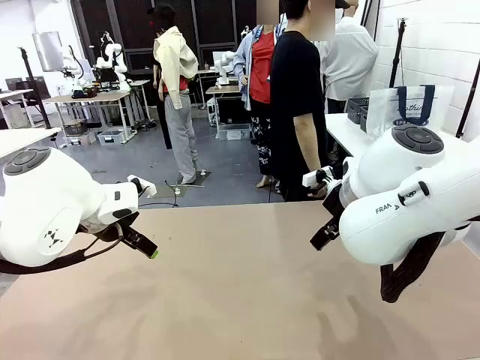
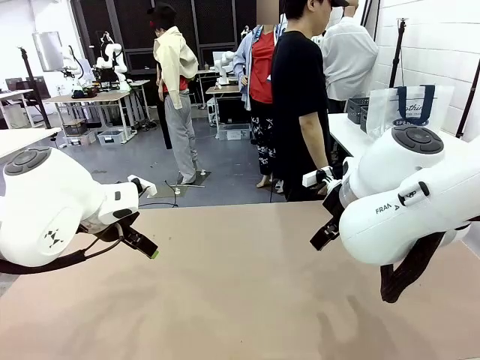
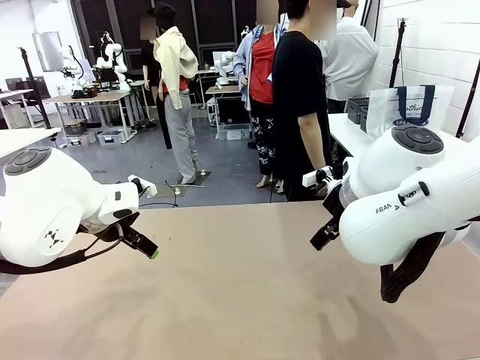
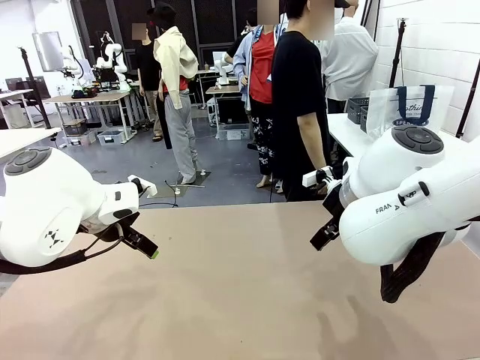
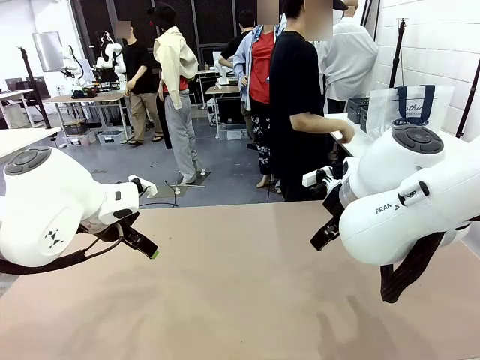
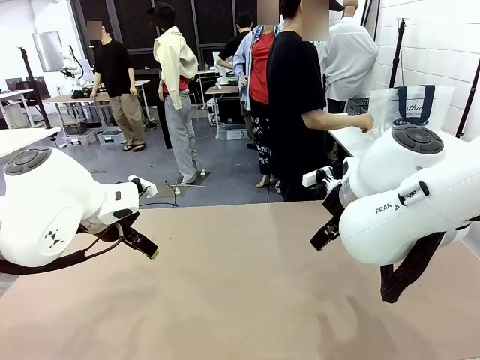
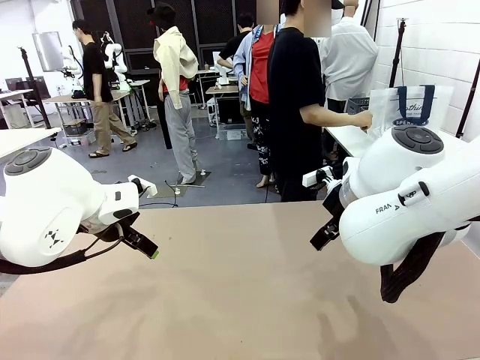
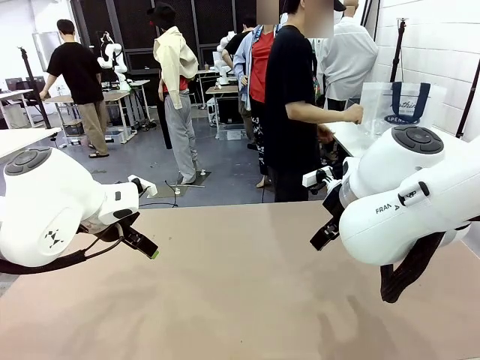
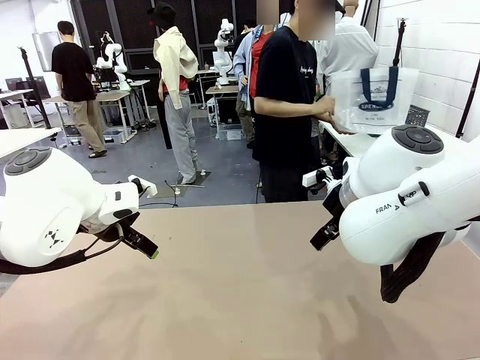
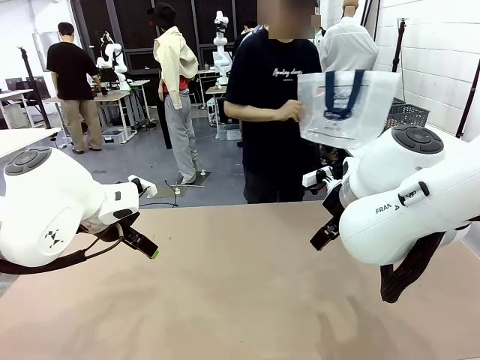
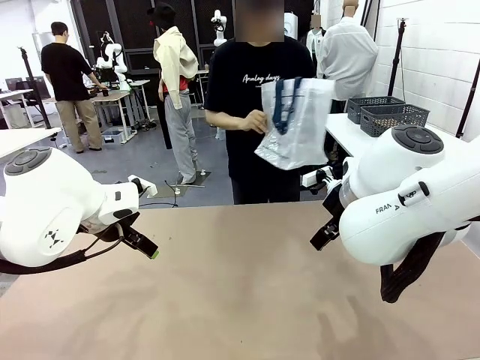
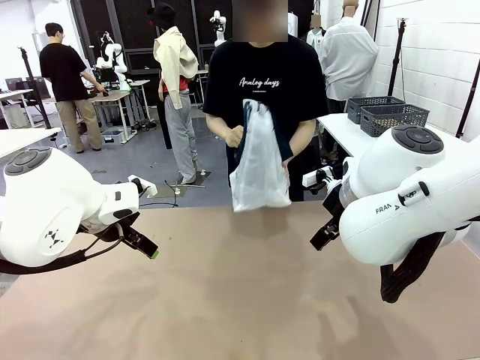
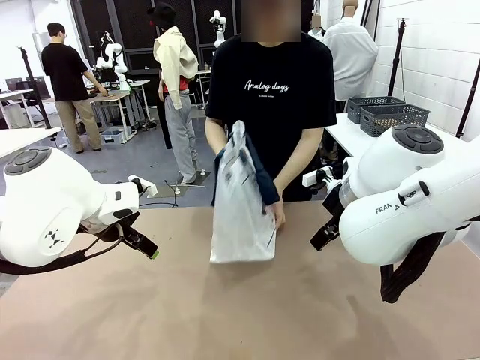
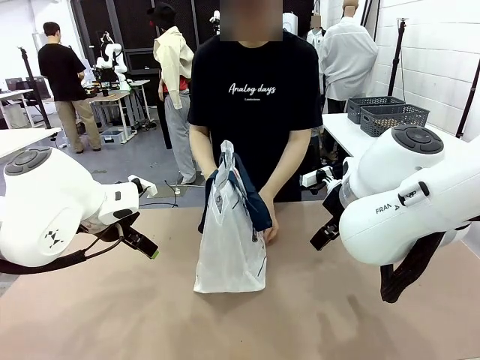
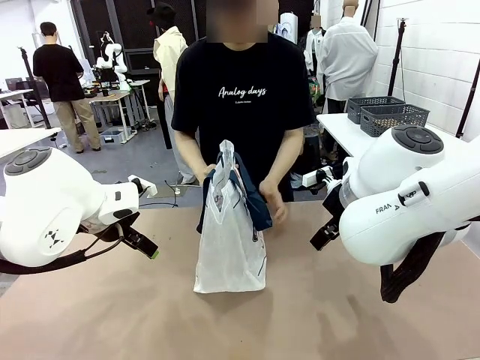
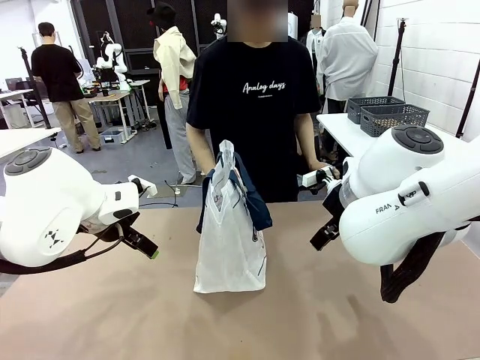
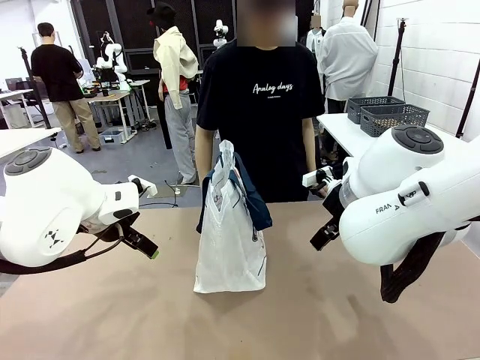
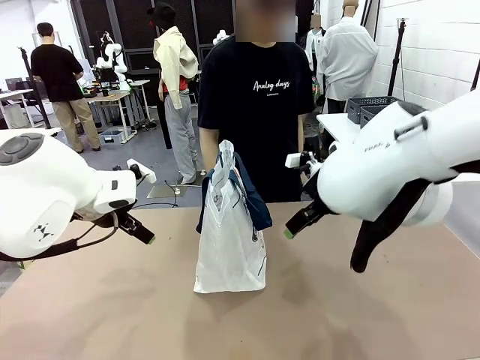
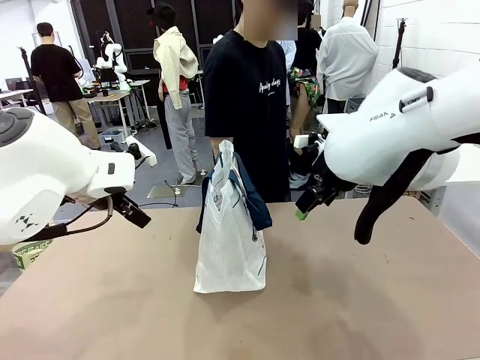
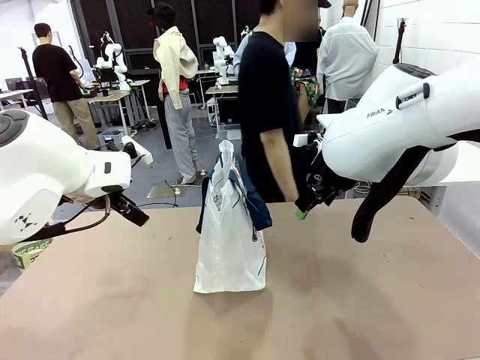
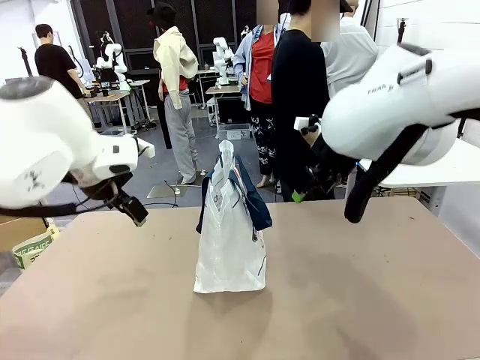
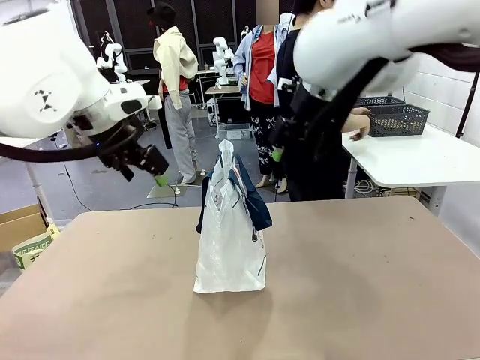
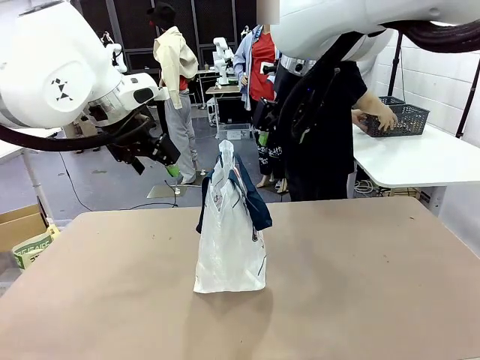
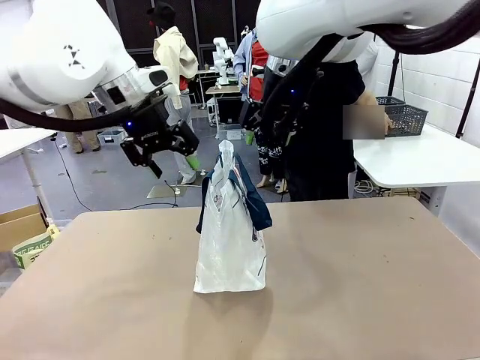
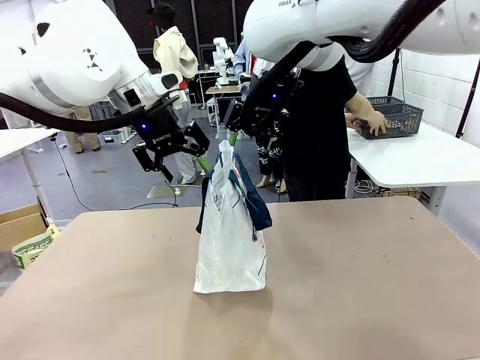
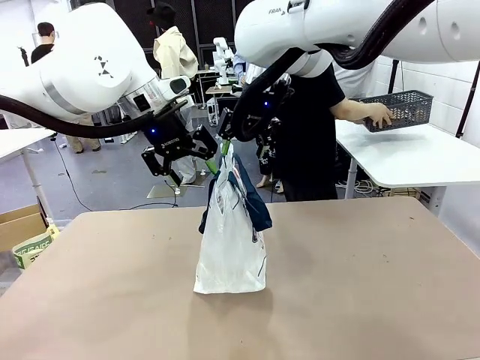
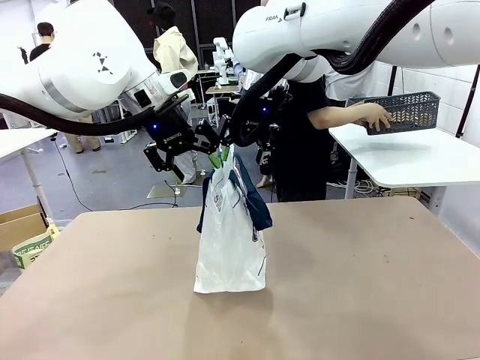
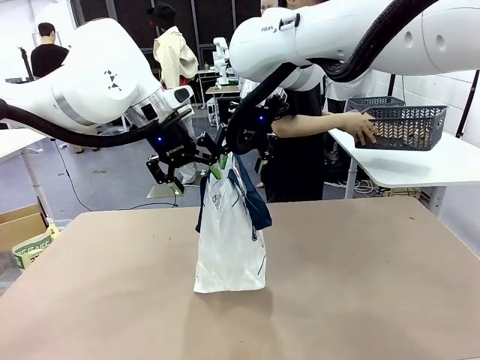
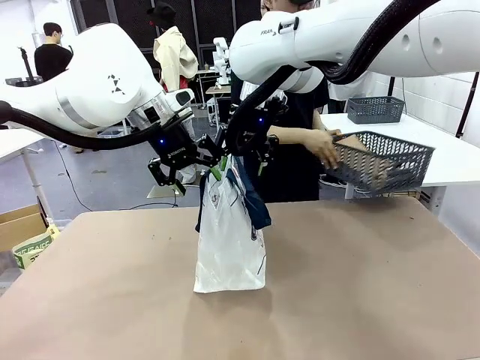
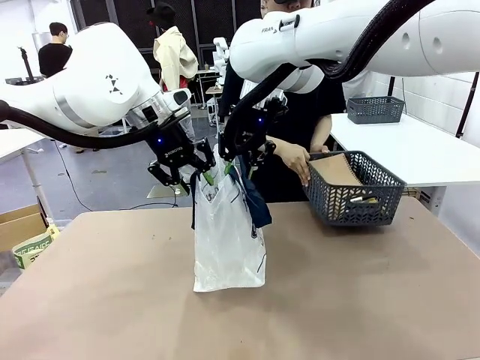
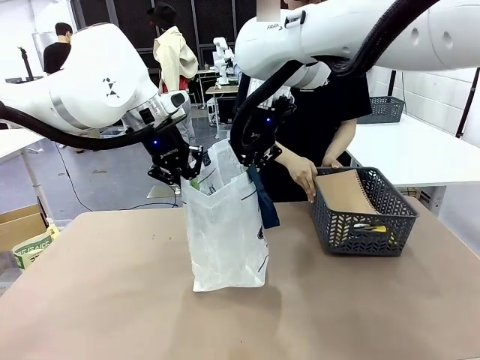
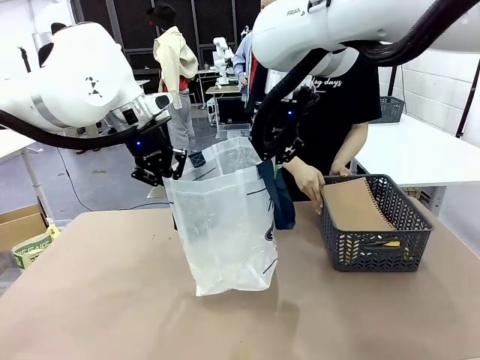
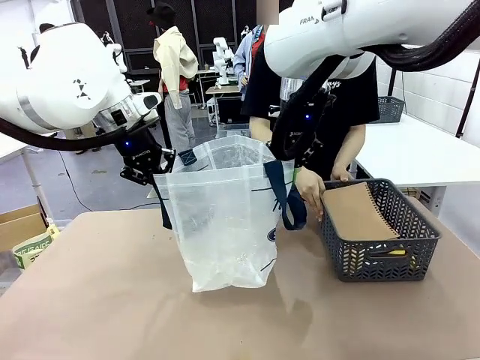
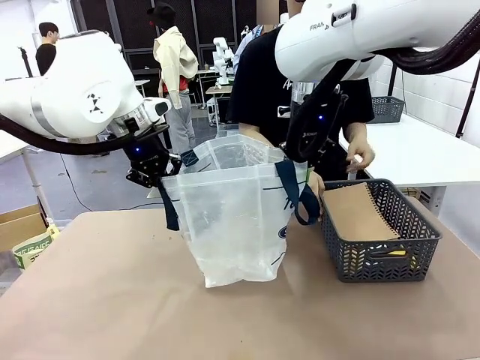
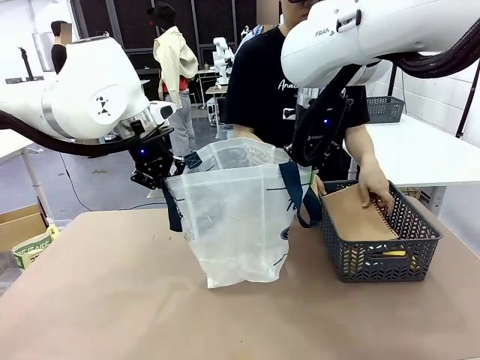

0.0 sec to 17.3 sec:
Task: Transfer purchased items from the store into the shopping bag.
Robot: Open the Reusable shopping bag in the center of the table.
Person: Pick up the shopping bag and place it in the middle of the robot table.

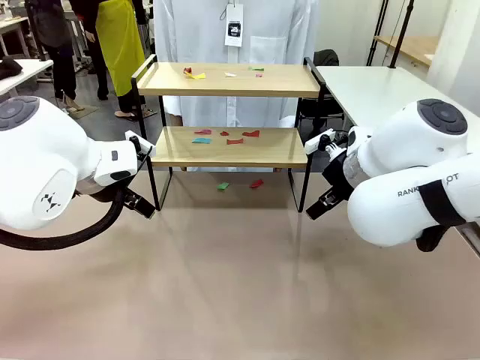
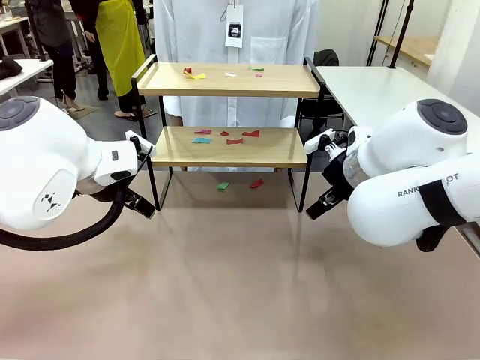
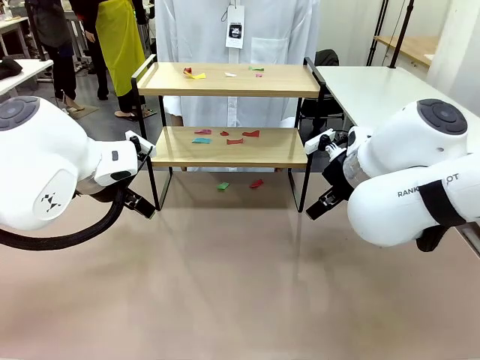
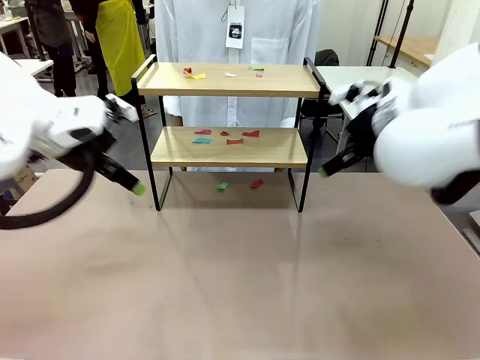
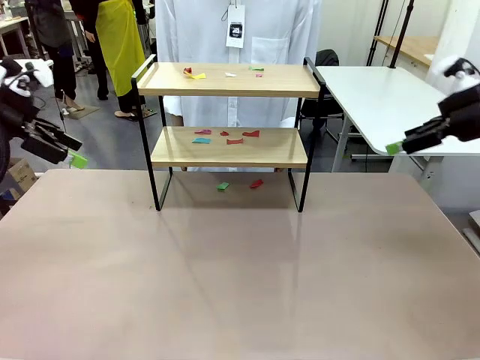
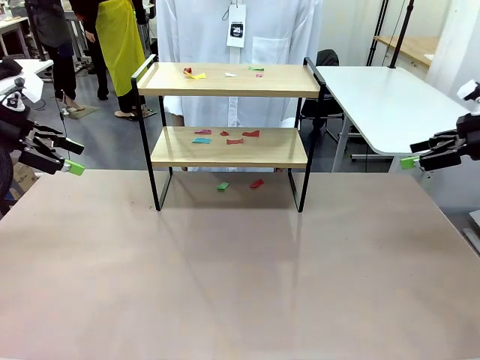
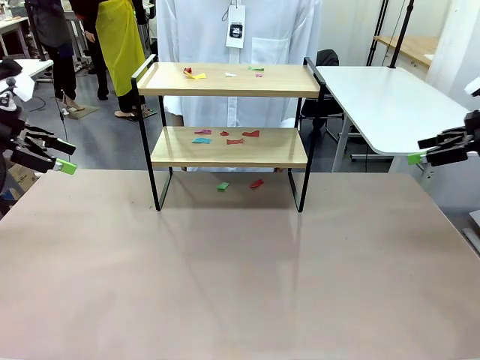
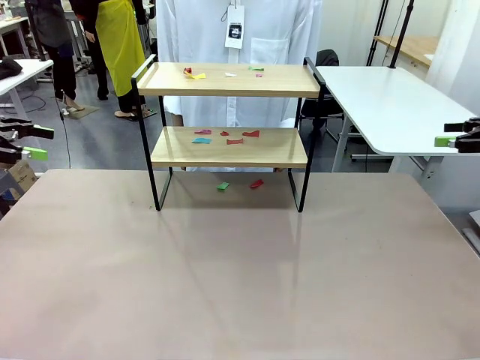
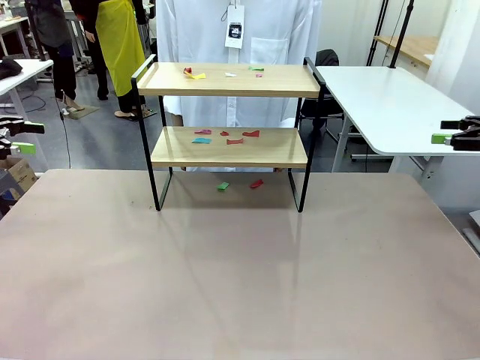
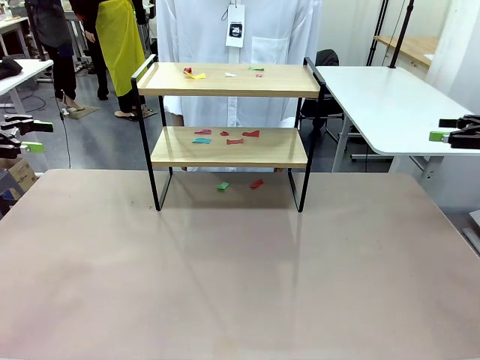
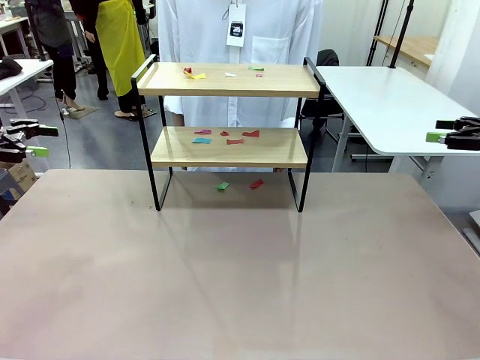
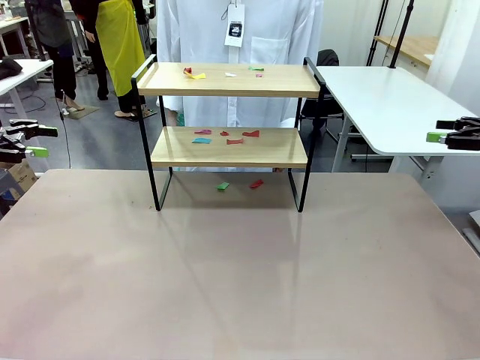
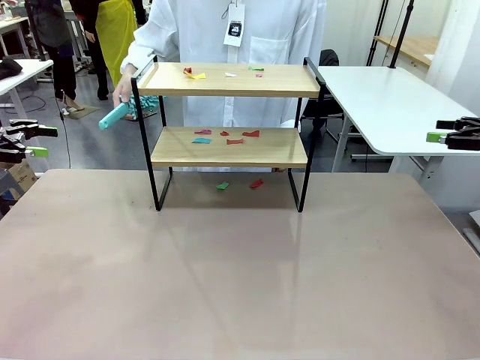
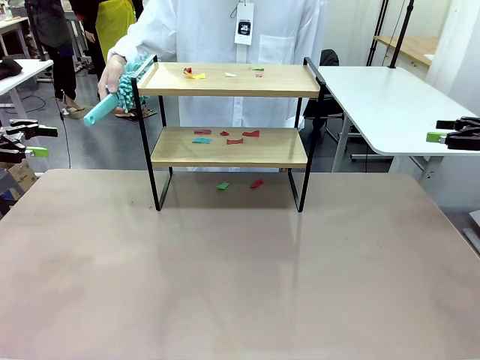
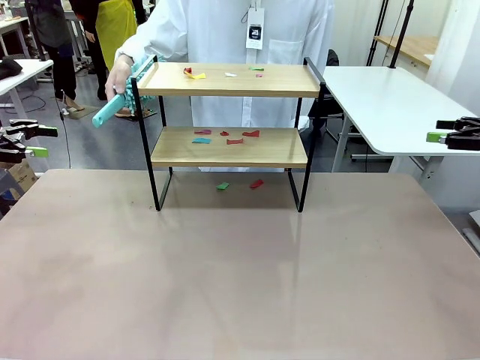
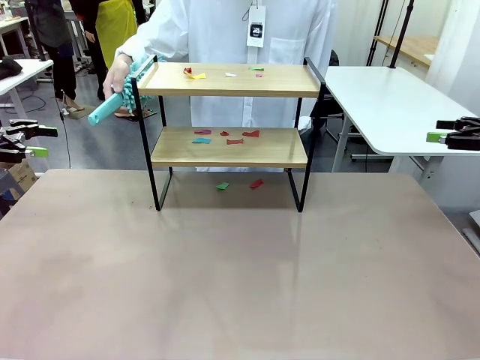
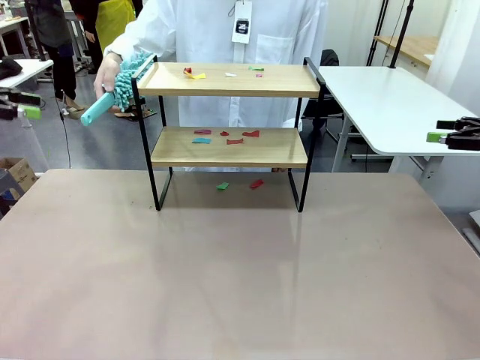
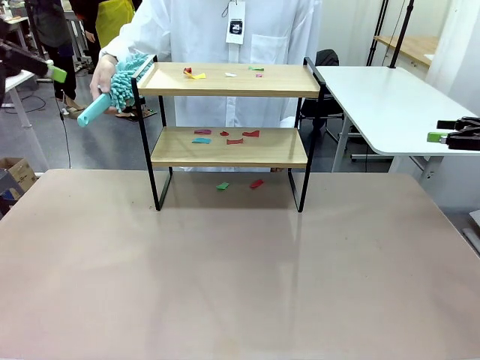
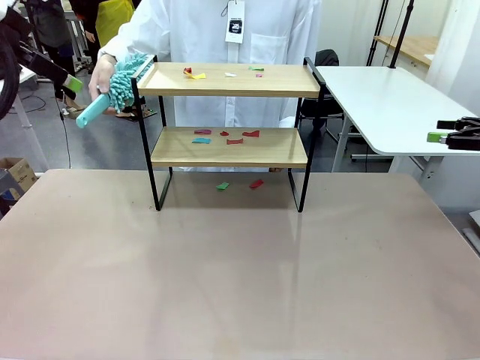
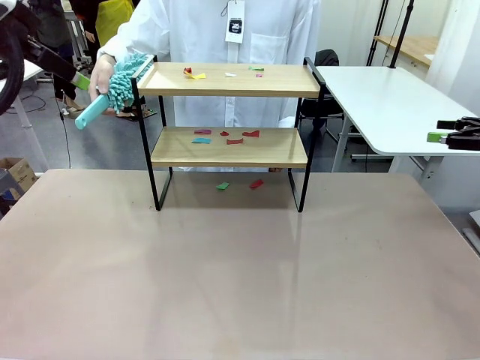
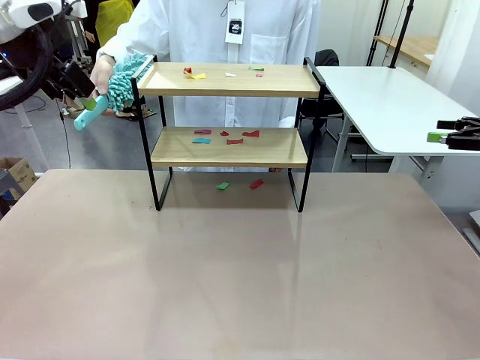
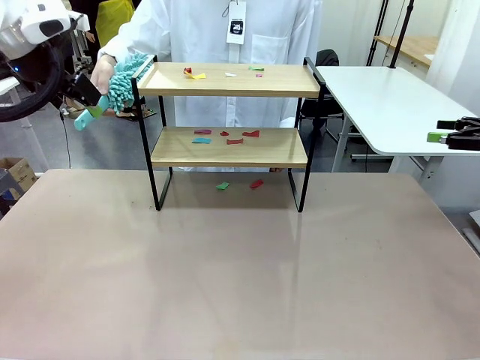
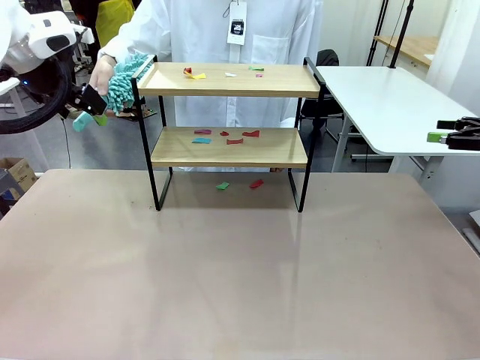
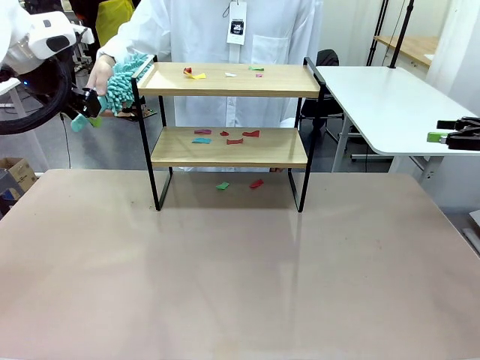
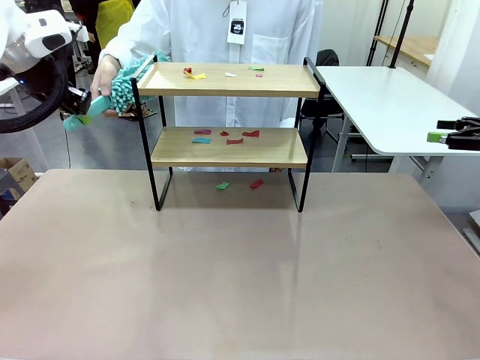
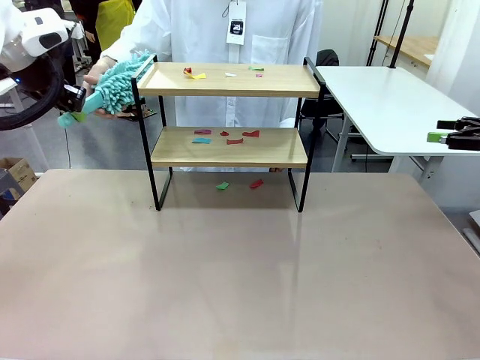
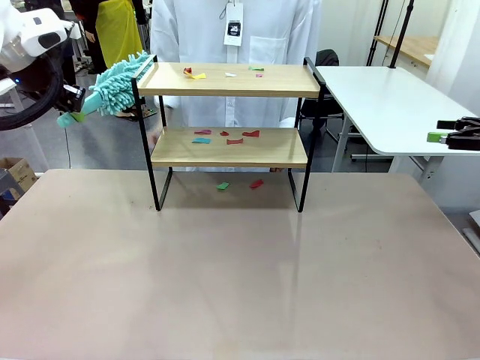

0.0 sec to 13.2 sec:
Task: Clean the shelf.
Robot: Pick up the Duster handed by the human.
Person: Hand the Duster to the robot.
